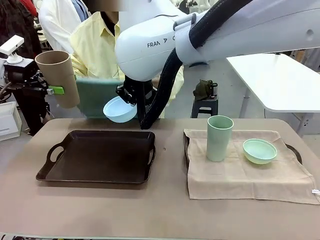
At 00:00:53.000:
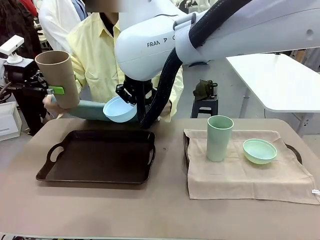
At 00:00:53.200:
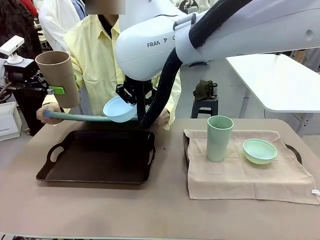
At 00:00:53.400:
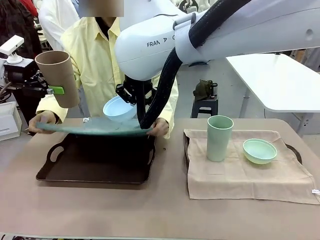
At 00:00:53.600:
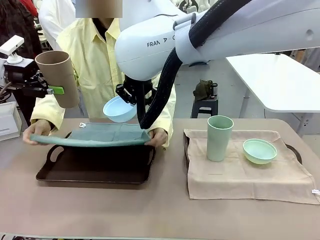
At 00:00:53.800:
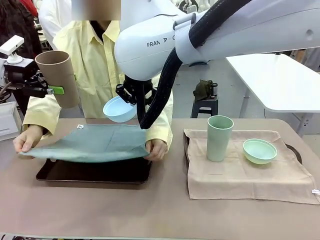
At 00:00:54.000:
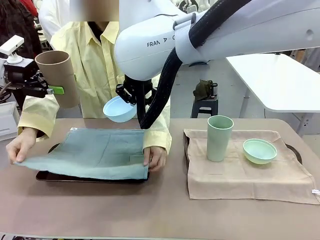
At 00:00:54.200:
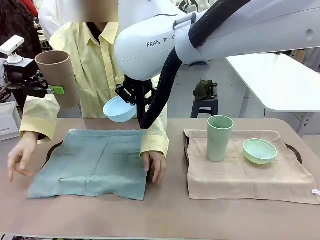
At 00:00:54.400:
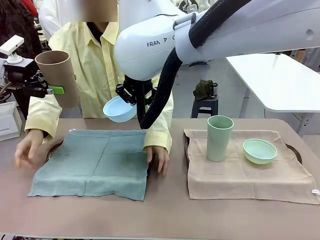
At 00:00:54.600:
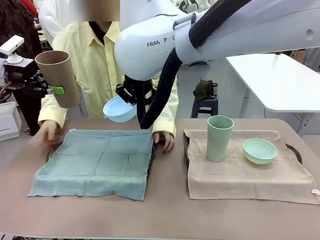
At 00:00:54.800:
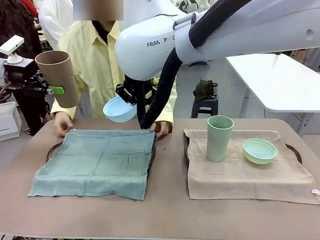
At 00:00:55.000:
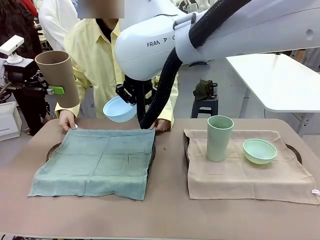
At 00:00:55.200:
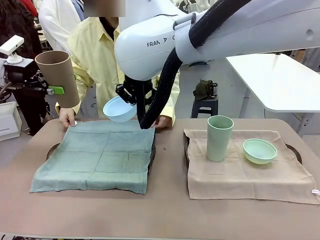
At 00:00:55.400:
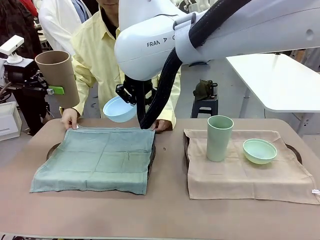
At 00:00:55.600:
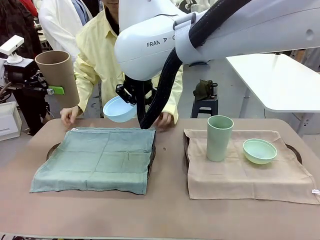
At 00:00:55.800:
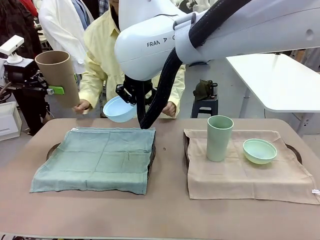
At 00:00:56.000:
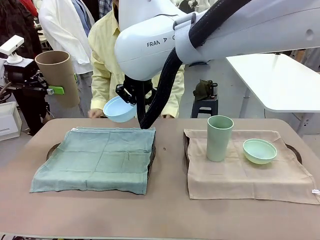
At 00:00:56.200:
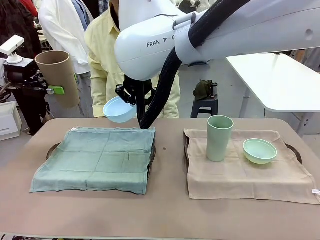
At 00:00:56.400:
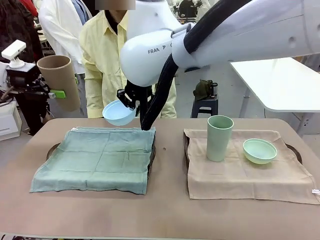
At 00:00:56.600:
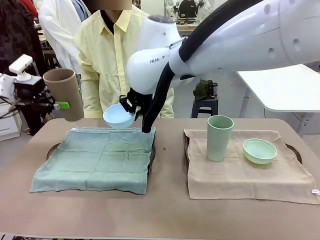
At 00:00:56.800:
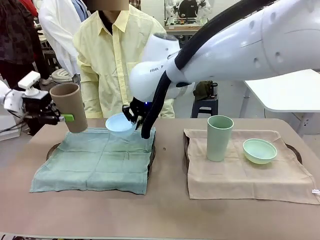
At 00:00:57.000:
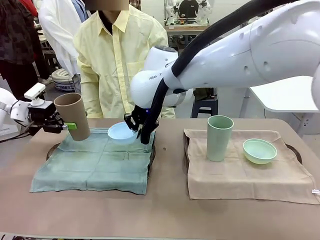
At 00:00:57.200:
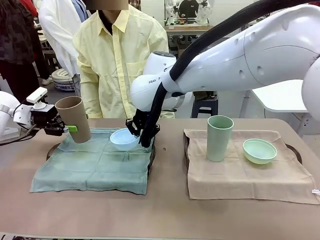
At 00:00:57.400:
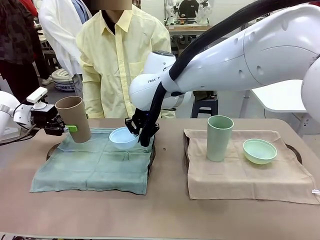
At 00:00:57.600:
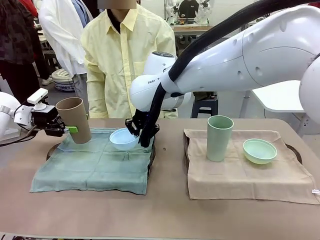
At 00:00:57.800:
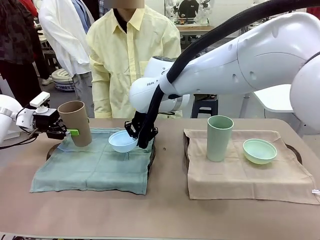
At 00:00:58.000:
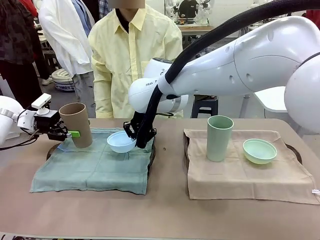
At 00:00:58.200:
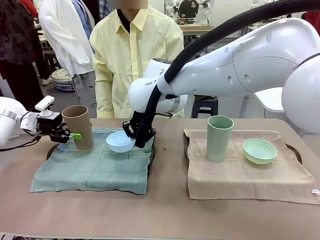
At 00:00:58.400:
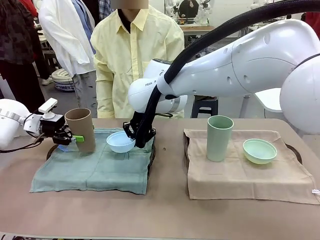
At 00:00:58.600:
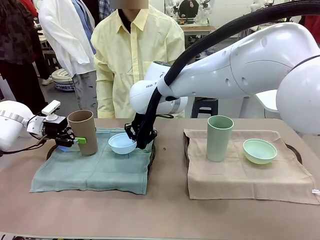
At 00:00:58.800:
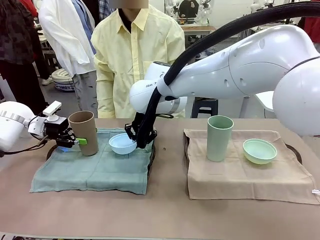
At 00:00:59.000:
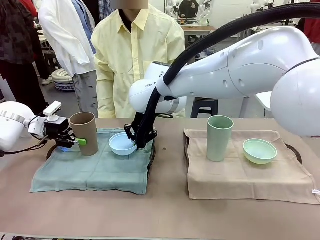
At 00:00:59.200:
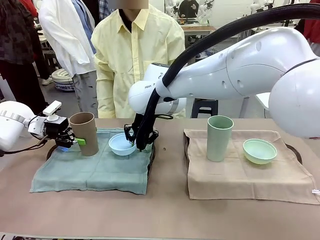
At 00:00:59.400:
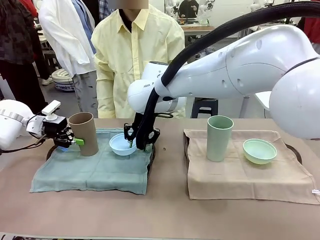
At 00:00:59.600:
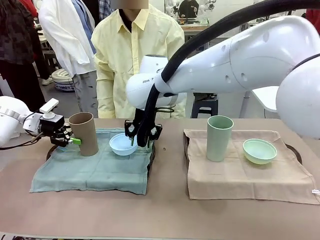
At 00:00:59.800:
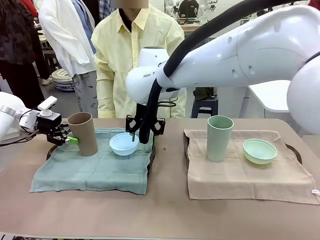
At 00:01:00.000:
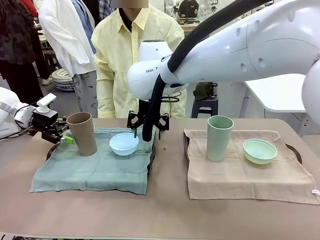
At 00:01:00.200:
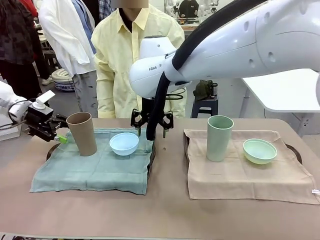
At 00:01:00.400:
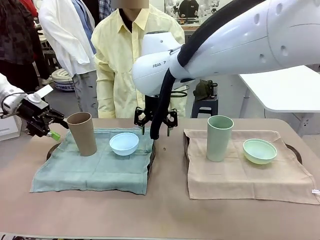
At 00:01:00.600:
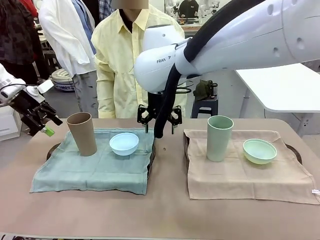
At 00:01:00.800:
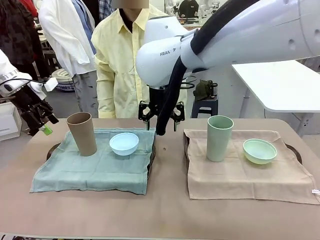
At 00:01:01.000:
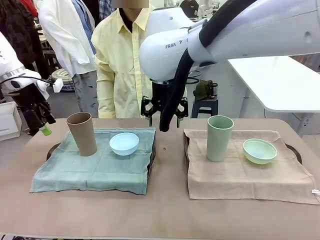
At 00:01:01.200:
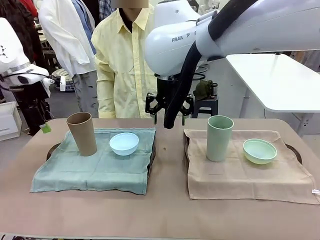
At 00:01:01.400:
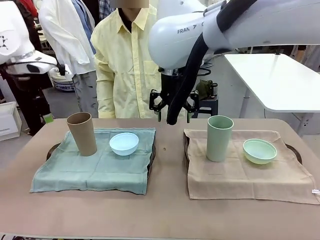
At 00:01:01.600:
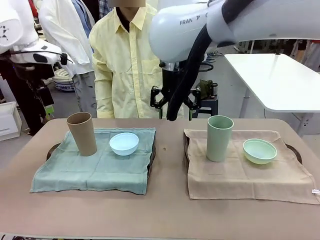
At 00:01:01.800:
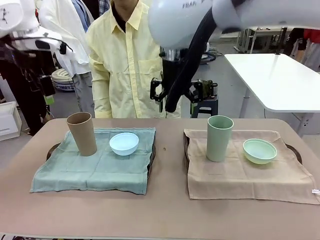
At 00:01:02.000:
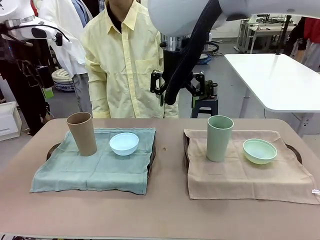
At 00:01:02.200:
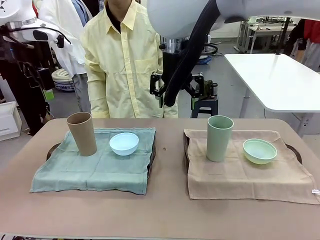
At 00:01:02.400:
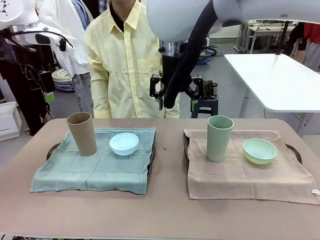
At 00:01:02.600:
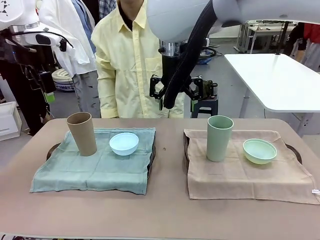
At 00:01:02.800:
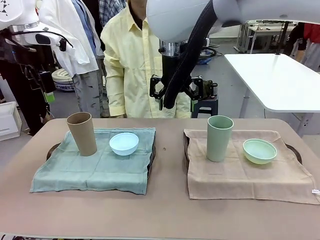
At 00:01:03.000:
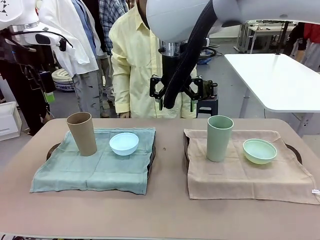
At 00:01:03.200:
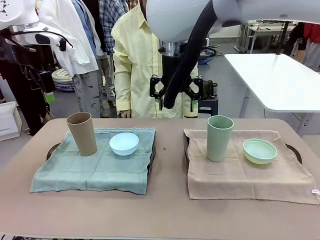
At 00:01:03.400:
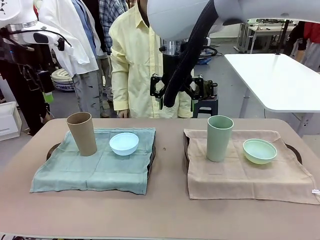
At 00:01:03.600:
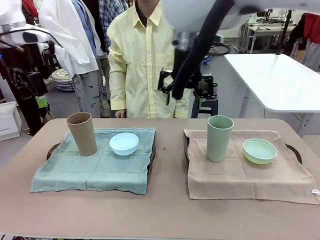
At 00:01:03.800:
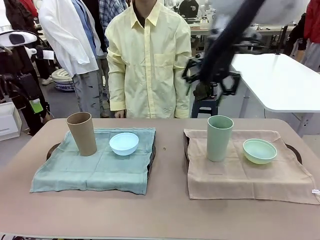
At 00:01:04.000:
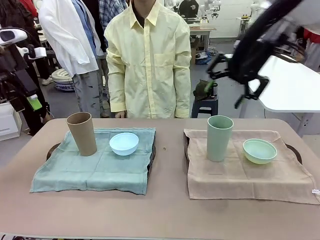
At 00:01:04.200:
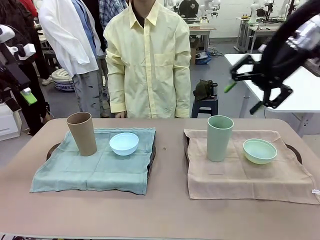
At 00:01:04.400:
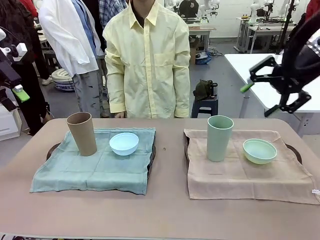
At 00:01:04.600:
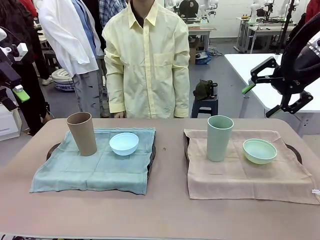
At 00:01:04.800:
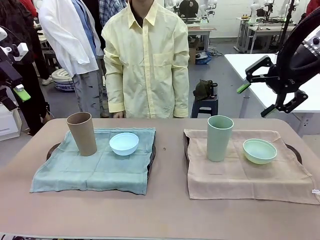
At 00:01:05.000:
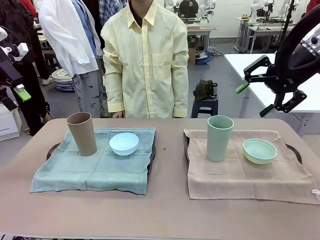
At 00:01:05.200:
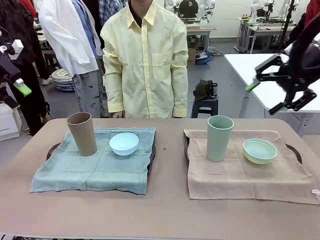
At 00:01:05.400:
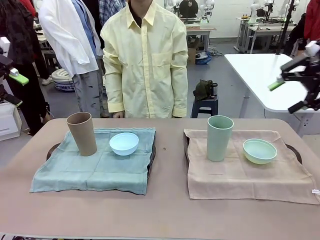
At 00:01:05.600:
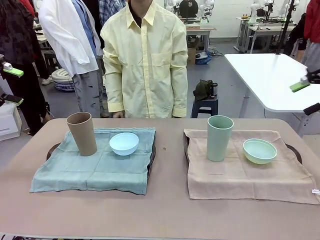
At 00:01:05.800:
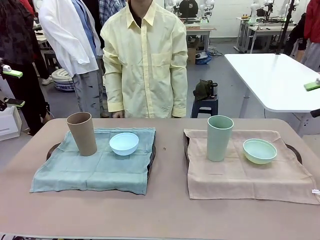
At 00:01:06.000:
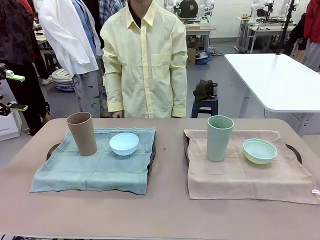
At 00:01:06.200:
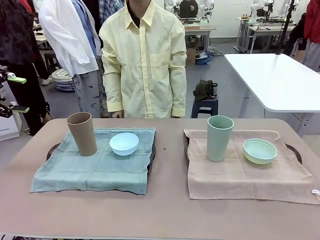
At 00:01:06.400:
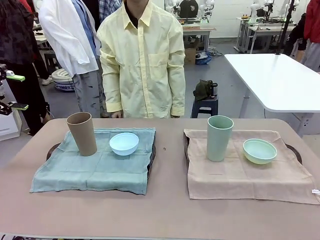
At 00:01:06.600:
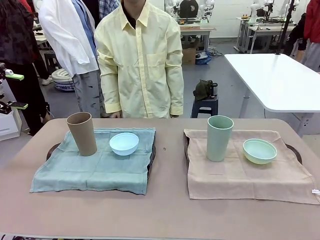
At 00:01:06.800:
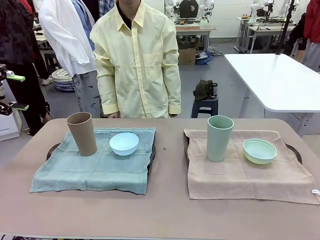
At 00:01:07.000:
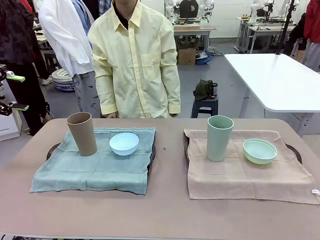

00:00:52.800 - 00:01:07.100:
Robot: Place the Picnic Bowl and Reusable plastic cup back onto the Handle tray in front of the human's position.
